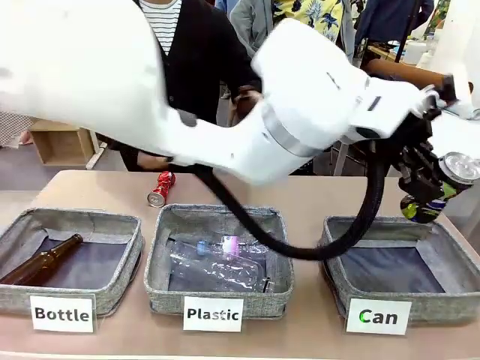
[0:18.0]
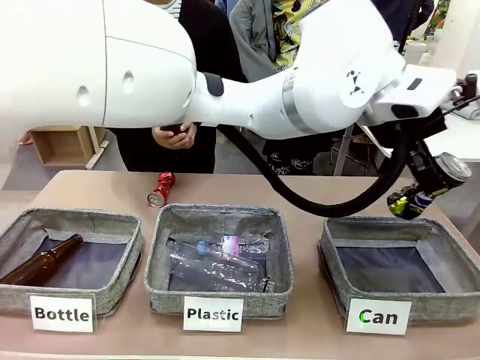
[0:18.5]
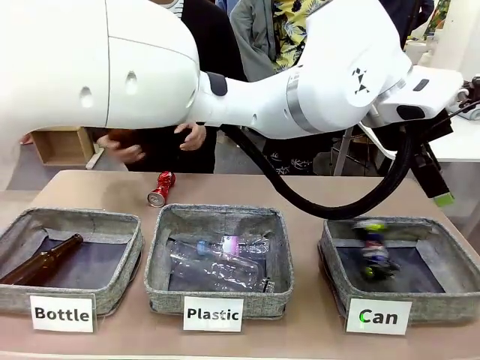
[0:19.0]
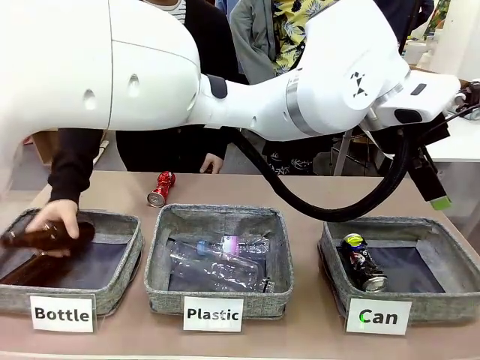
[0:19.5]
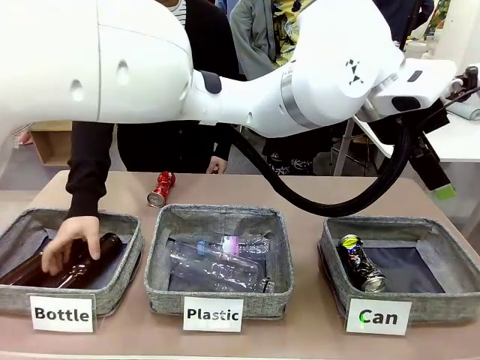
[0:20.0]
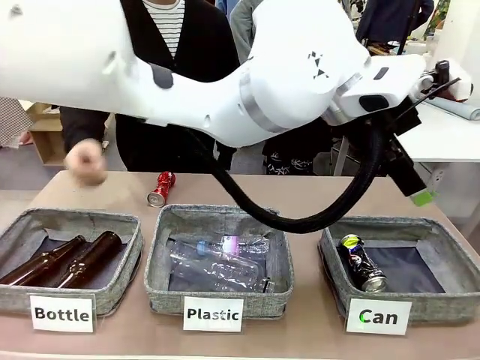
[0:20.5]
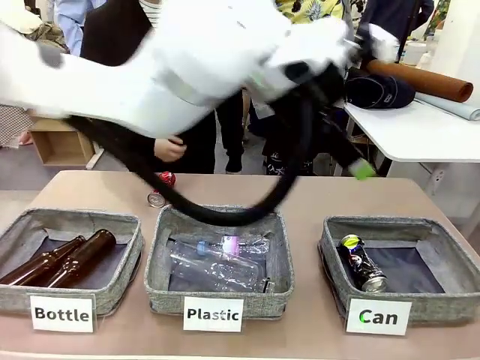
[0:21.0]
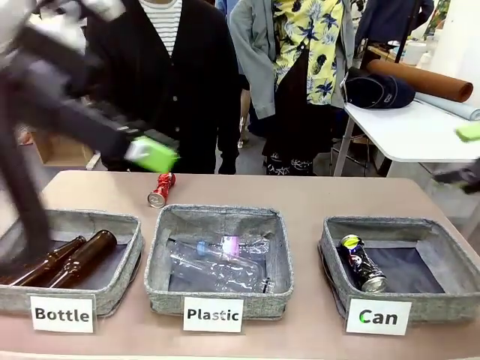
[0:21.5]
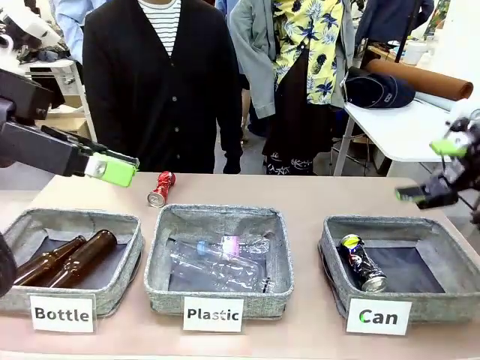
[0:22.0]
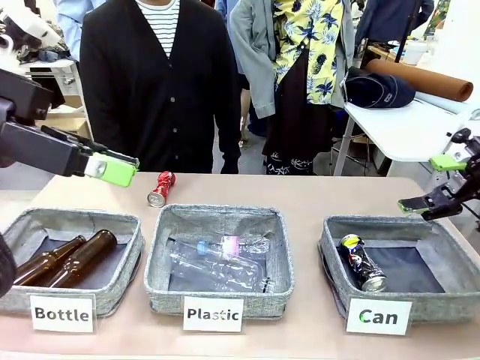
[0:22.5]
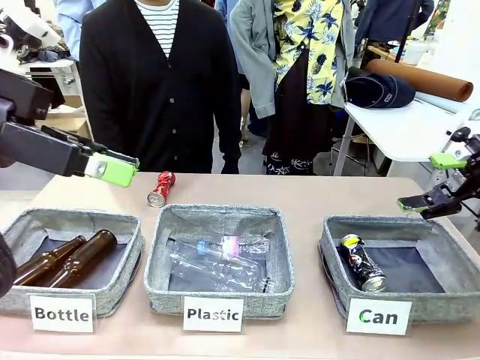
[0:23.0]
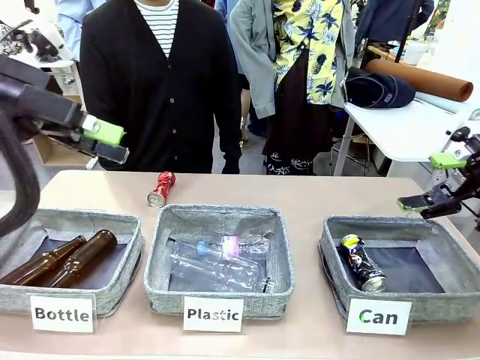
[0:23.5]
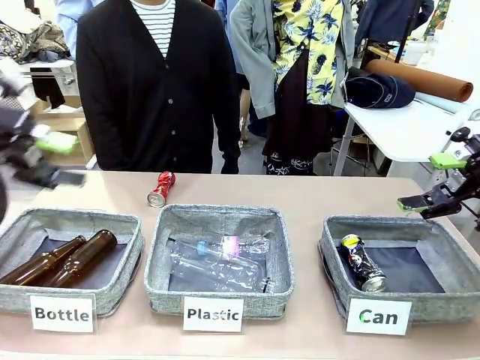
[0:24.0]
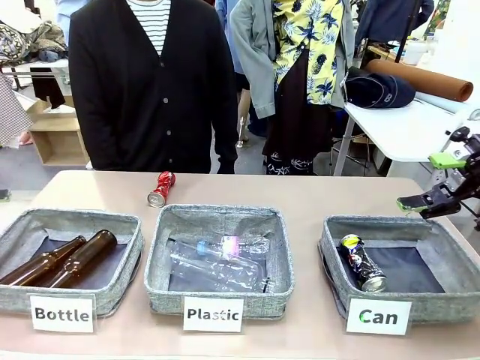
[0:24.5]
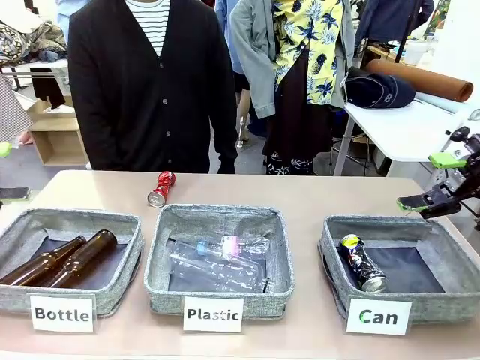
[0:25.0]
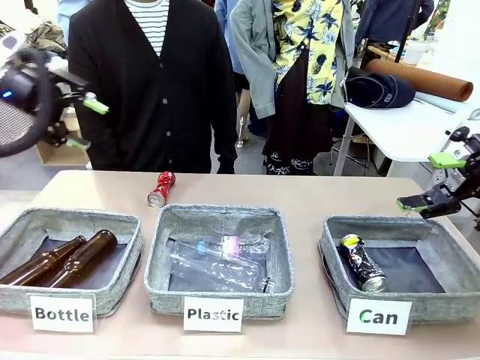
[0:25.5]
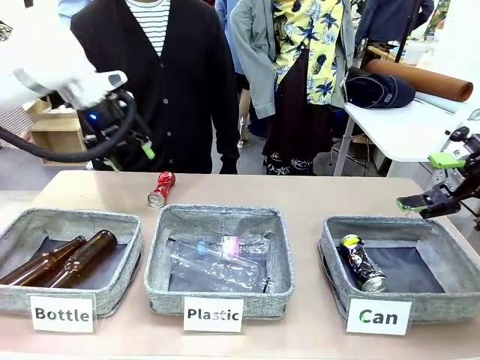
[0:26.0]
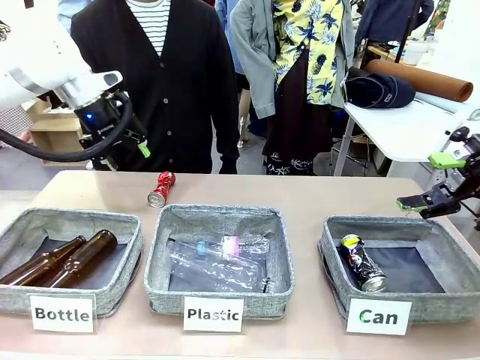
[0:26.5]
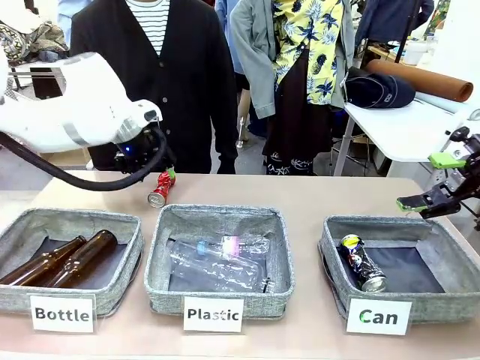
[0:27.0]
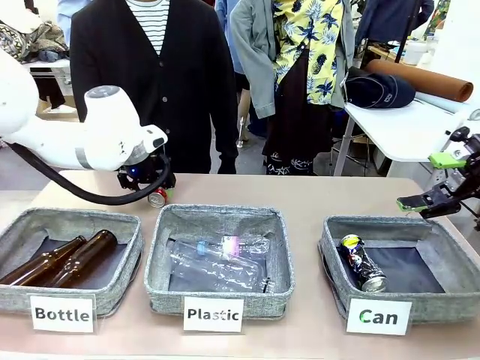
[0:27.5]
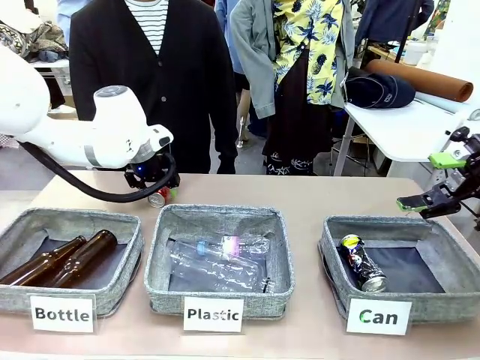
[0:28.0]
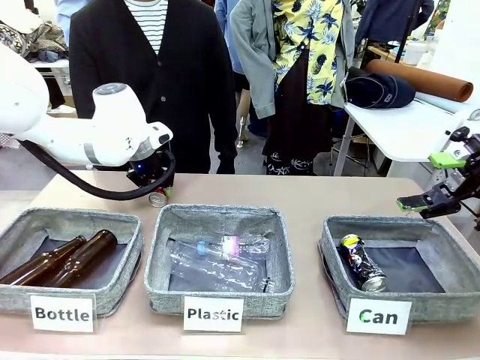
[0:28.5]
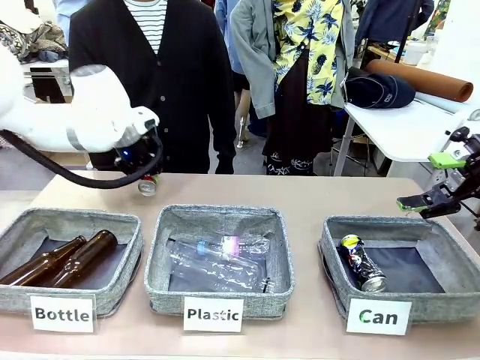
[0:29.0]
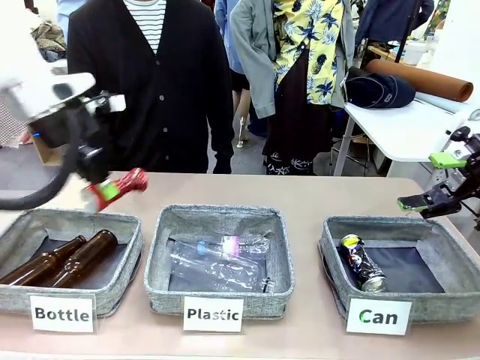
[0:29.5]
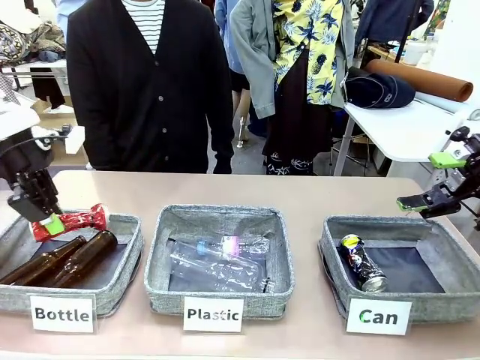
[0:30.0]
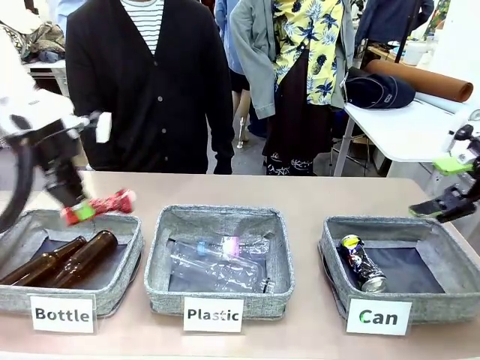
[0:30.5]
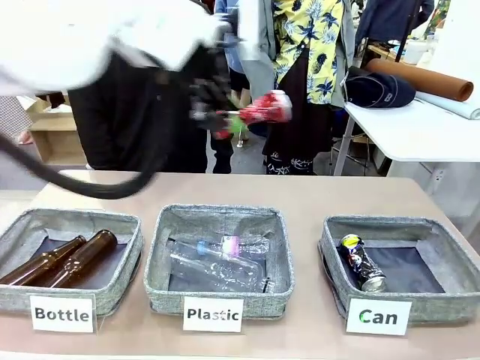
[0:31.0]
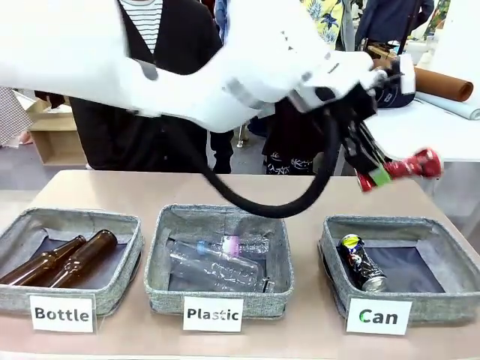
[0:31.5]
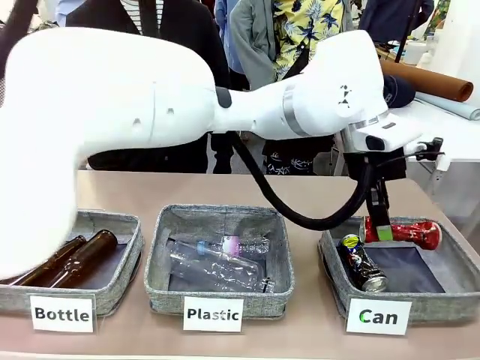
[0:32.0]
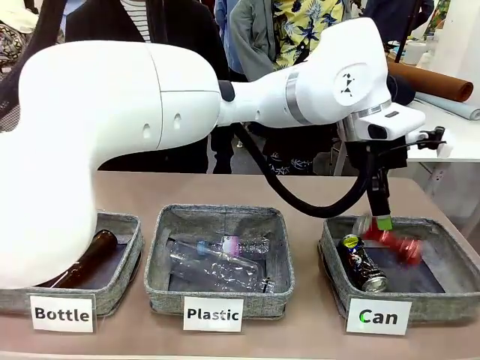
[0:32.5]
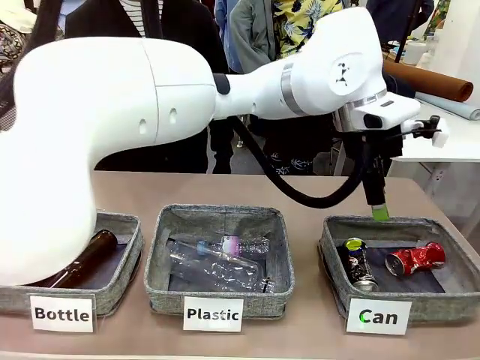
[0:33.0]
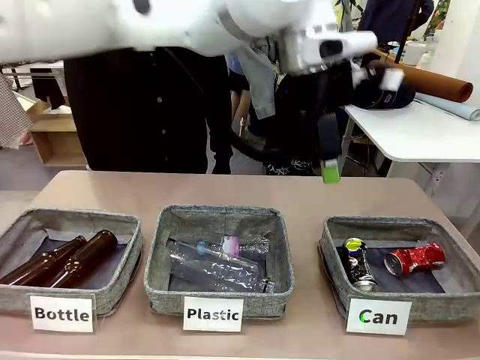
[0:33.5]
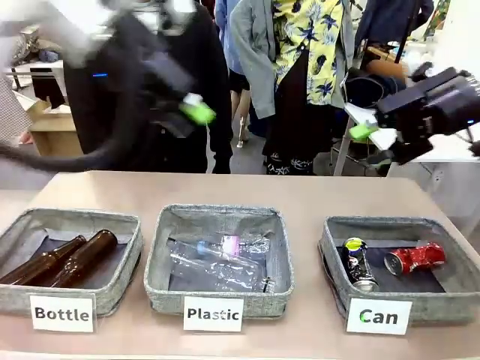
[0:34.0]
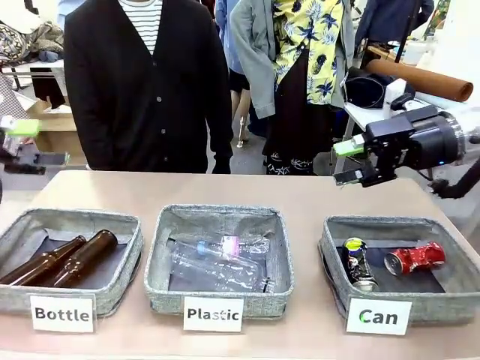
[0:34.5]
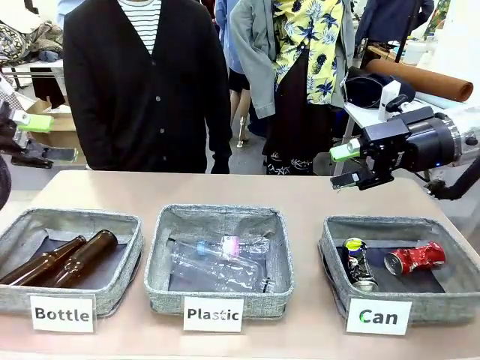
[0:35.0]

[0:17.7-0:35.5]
Task: Sort the can waste into the basket.
Robot: Pick up the can waste from the table and place it in the right Fabric basket.
Person: The human picks up one piece of trash that is not a can and places the trash into the appropriate organizing basket.

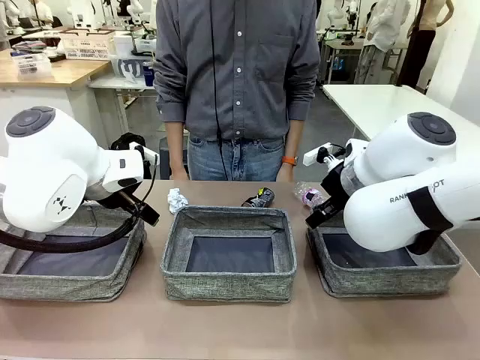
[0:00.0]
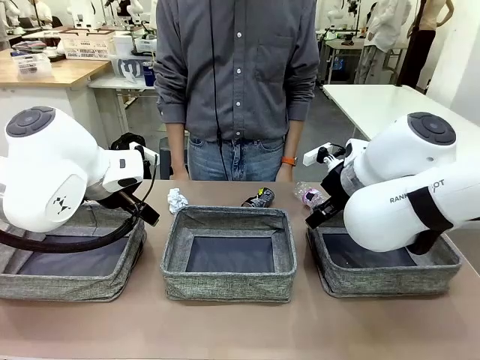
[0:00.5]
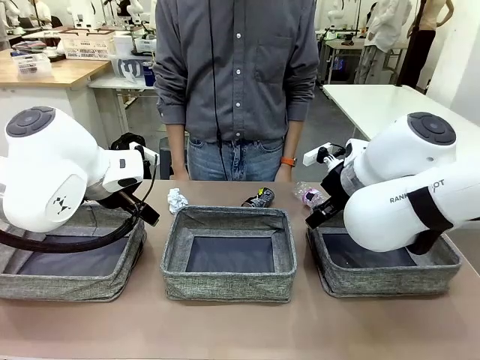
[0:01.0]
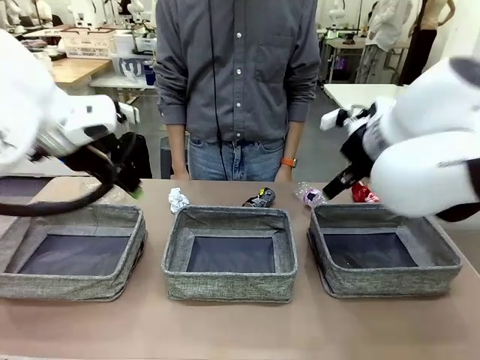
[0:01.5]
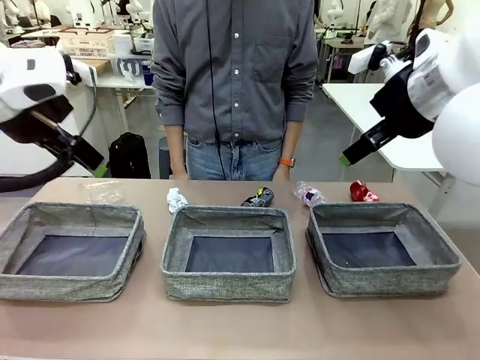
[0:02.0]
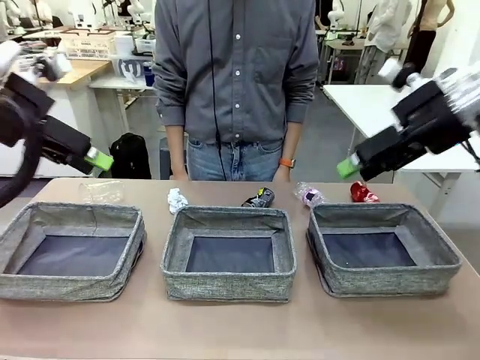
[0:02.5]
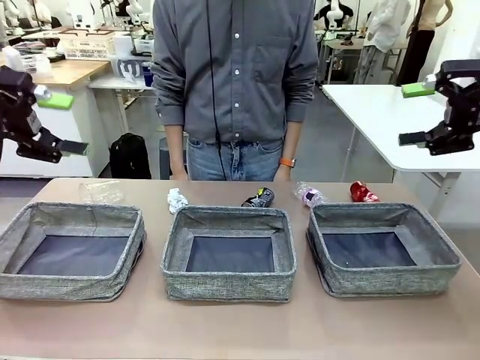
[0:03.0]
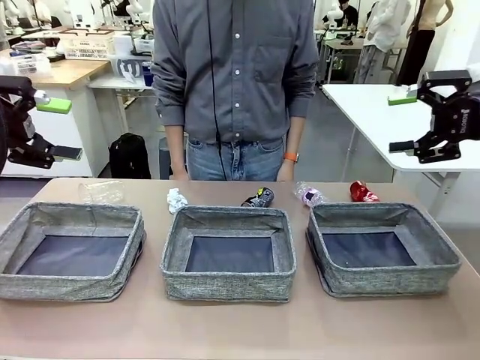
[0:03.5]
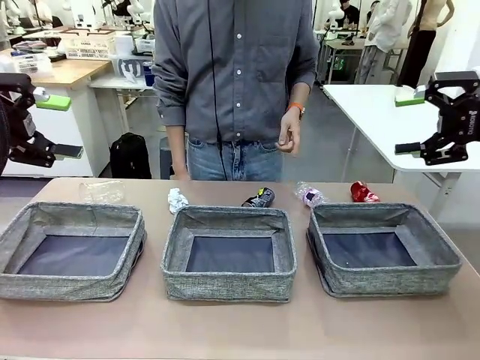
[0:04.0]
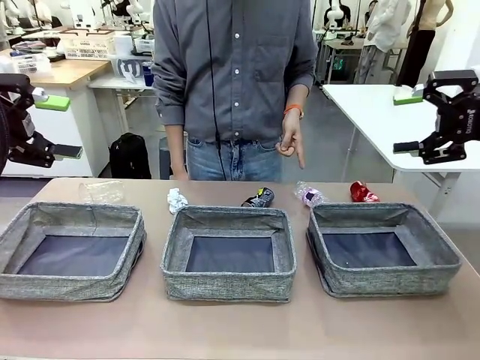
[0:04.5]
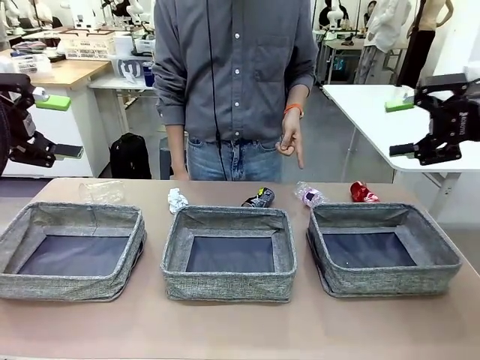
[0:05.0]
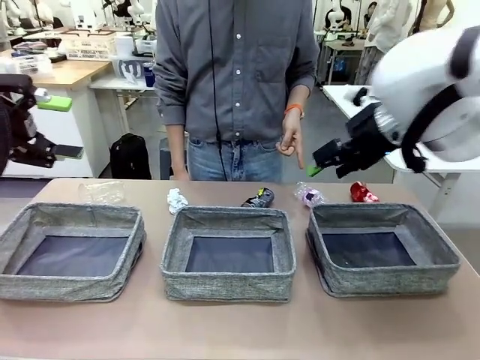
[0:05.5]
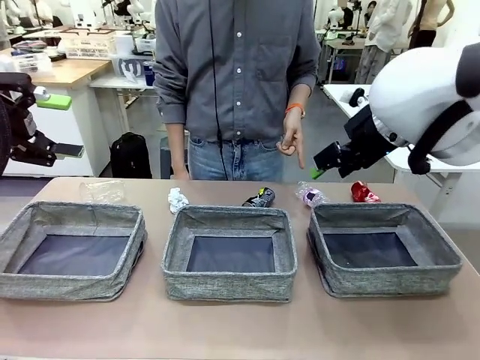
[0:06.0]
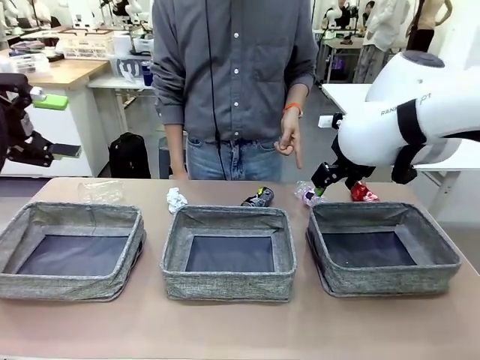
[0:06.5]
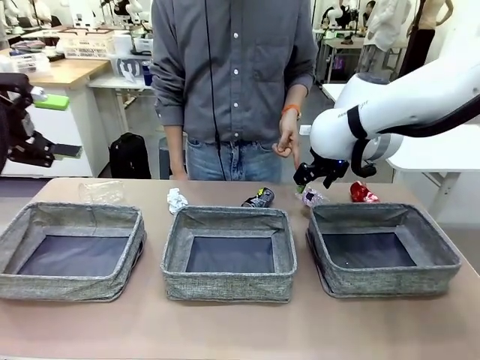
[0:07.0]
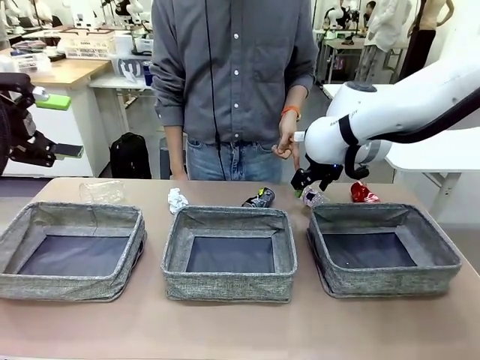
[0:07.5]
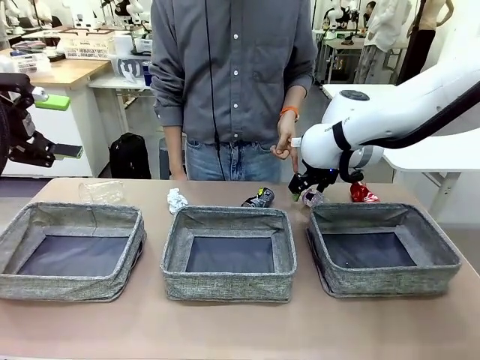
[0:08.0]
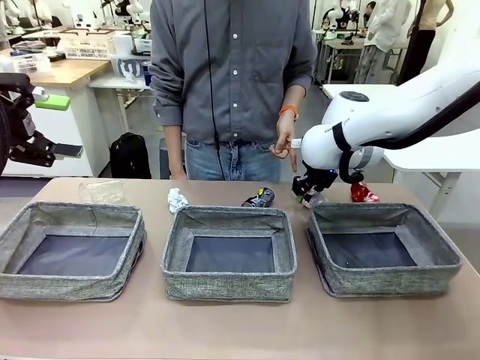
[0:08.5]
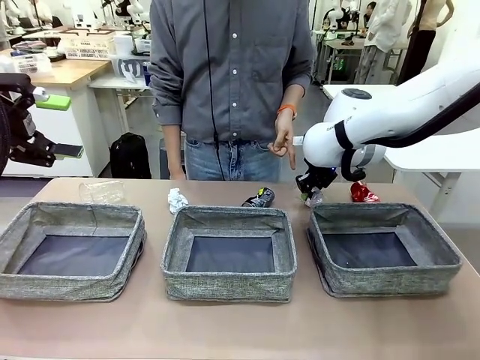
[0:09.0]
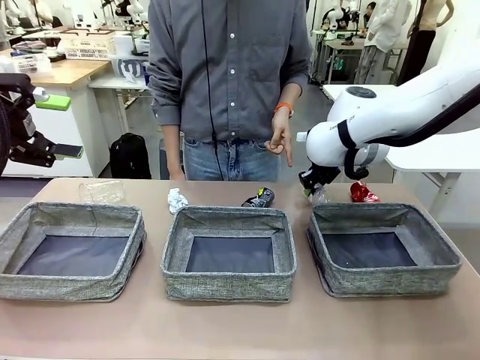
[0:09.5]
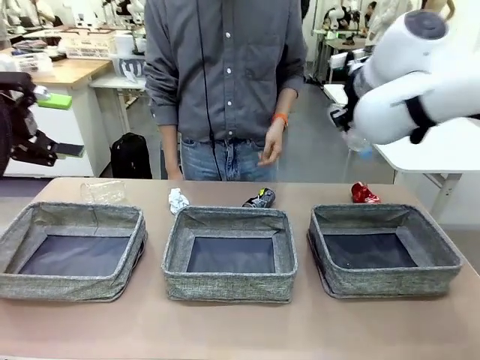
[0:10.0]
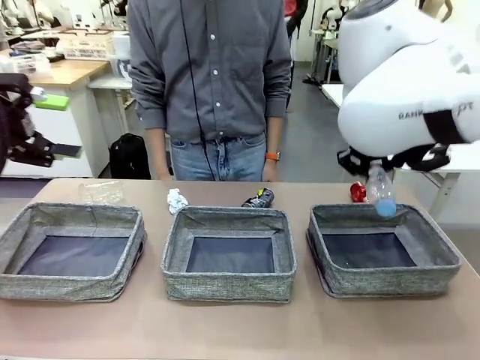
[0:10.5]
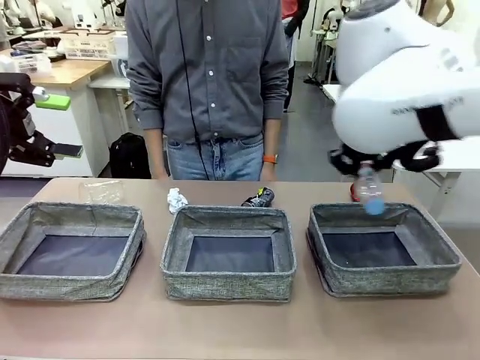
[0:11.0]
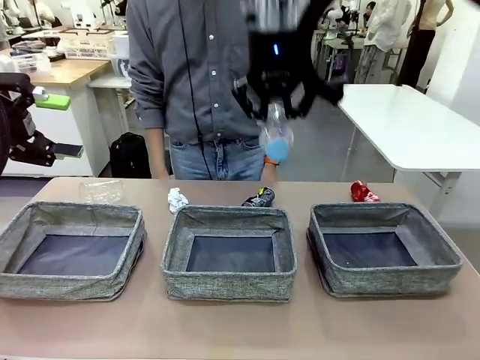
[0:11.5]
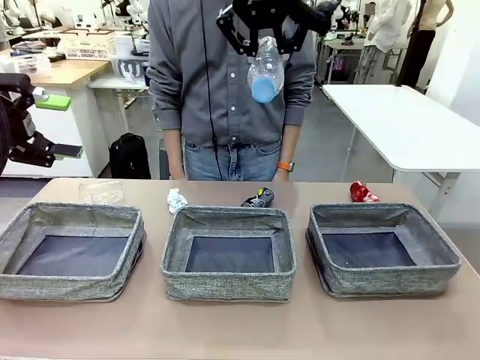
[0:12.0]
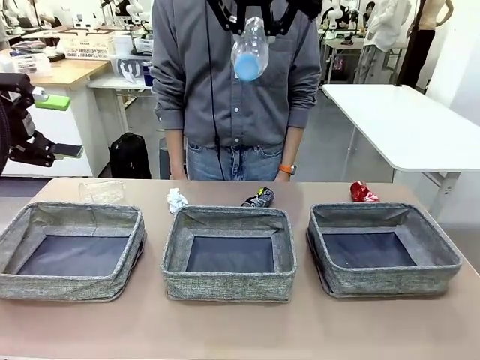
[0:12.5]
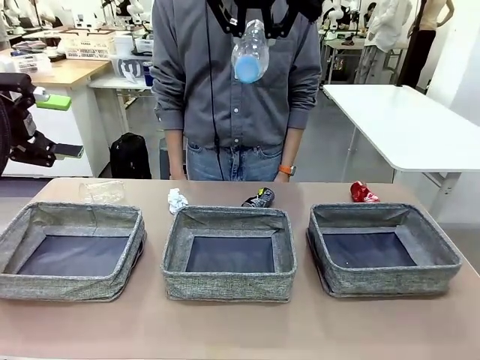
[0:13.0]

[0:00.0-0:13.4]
Task: Sort the waste into the appropriate baskets.
Robot: Pick up the waste item pointed out by the person.
Person: Points to one piece of trash on the table.
